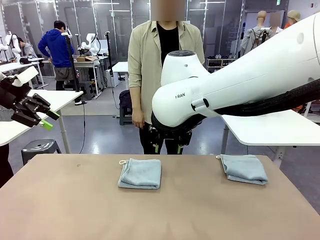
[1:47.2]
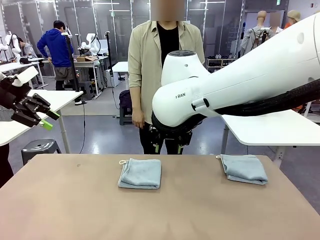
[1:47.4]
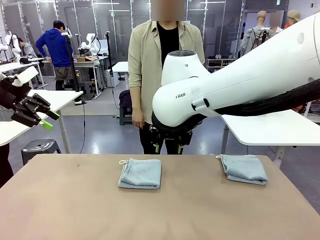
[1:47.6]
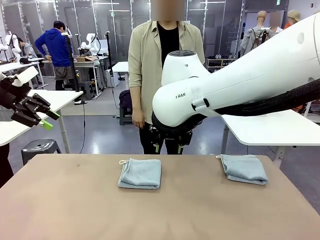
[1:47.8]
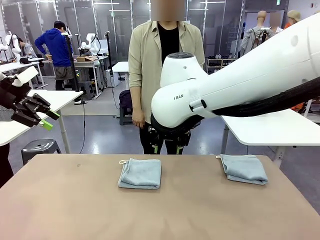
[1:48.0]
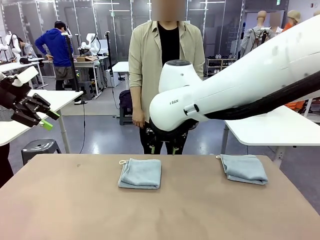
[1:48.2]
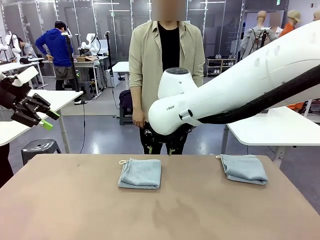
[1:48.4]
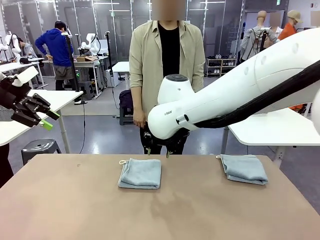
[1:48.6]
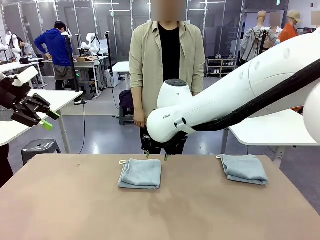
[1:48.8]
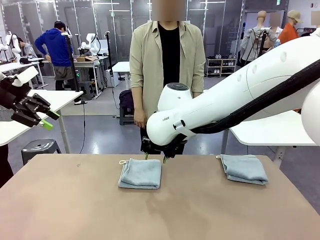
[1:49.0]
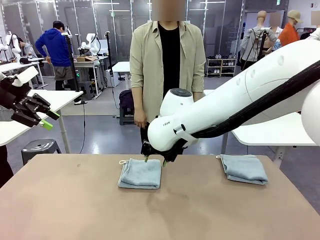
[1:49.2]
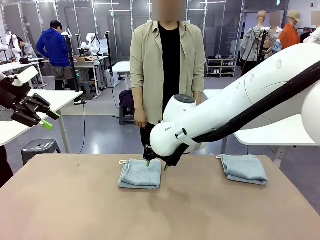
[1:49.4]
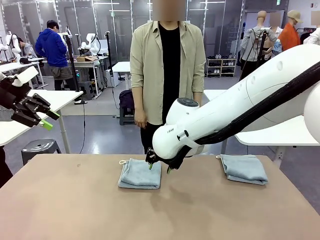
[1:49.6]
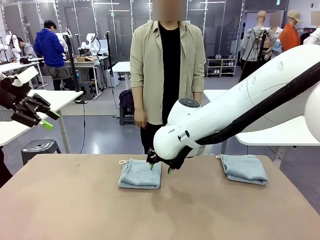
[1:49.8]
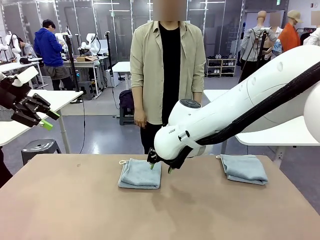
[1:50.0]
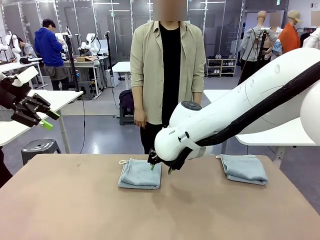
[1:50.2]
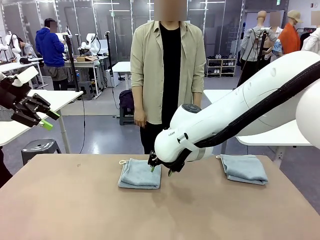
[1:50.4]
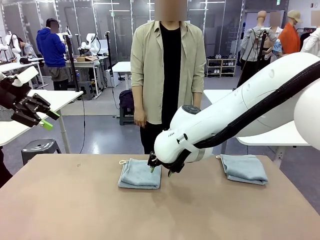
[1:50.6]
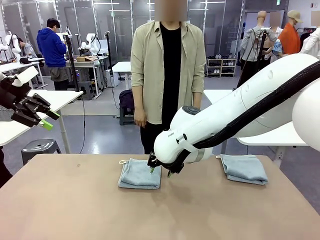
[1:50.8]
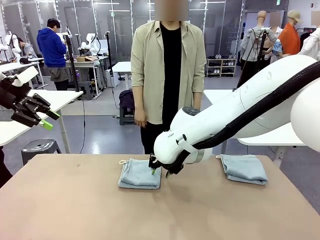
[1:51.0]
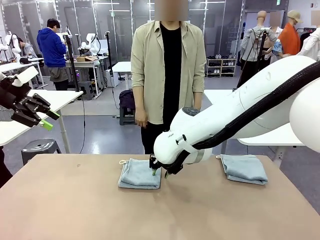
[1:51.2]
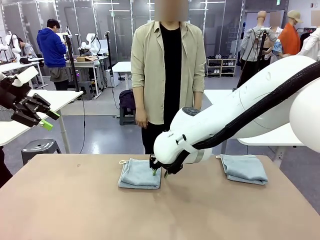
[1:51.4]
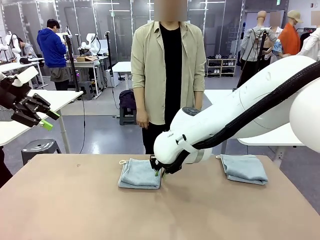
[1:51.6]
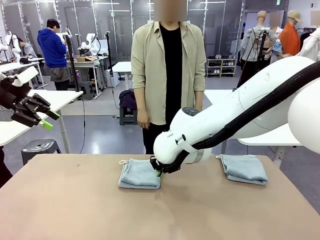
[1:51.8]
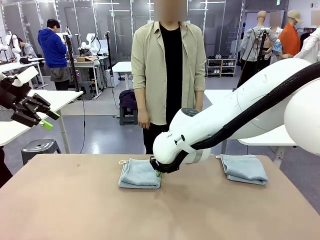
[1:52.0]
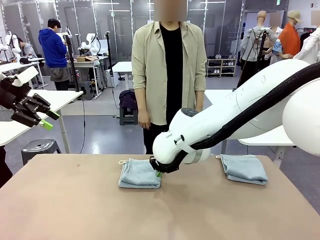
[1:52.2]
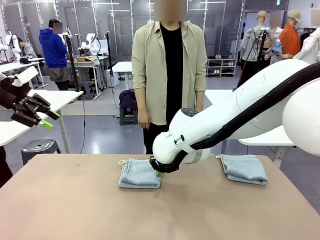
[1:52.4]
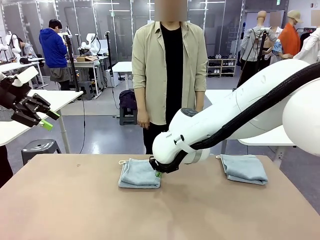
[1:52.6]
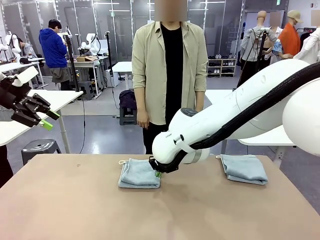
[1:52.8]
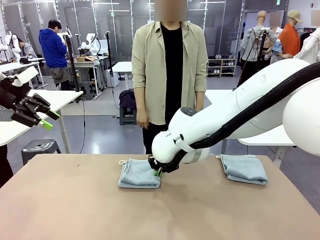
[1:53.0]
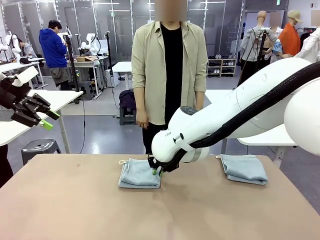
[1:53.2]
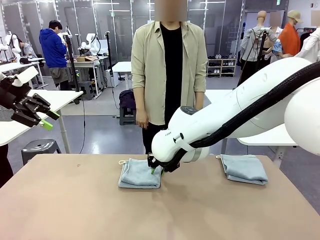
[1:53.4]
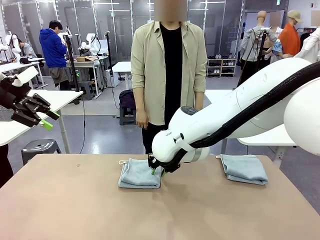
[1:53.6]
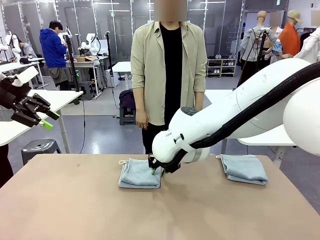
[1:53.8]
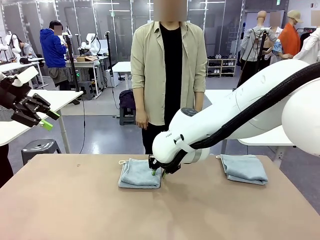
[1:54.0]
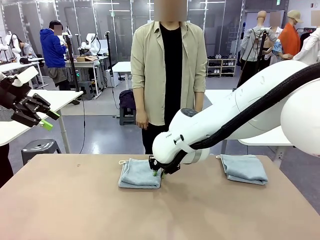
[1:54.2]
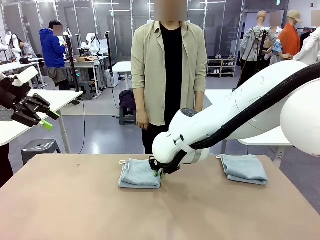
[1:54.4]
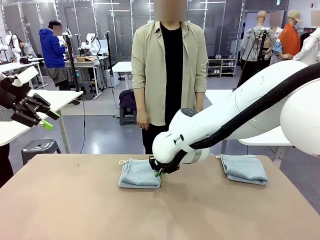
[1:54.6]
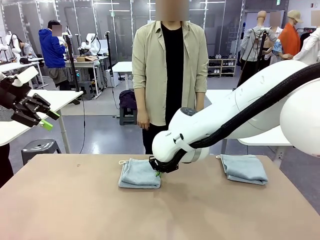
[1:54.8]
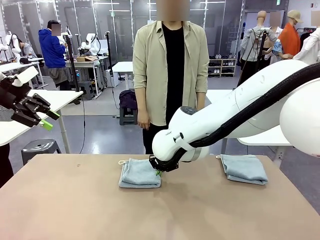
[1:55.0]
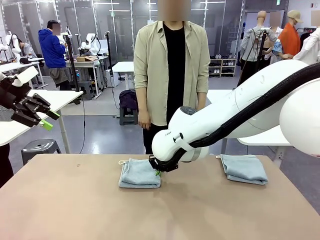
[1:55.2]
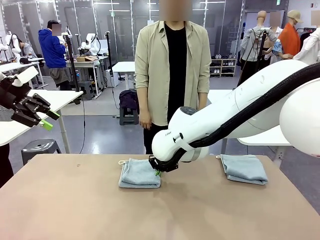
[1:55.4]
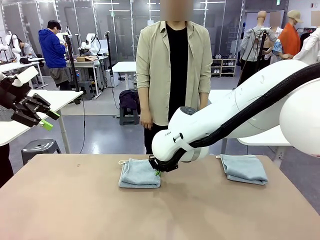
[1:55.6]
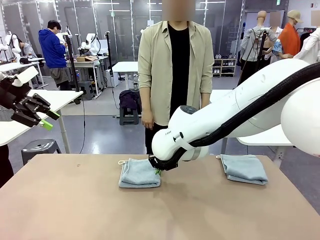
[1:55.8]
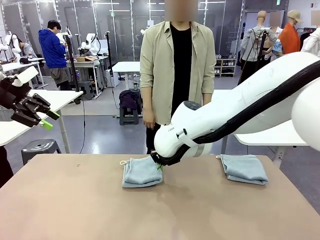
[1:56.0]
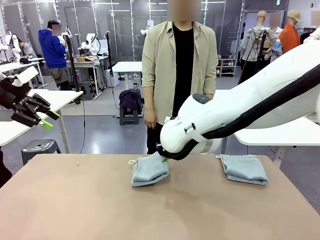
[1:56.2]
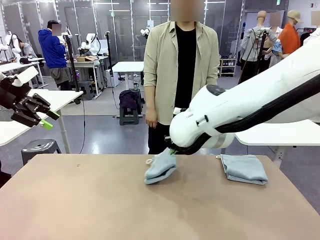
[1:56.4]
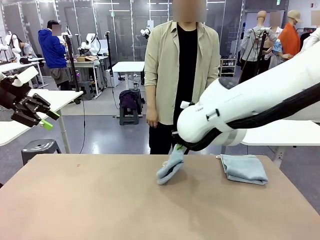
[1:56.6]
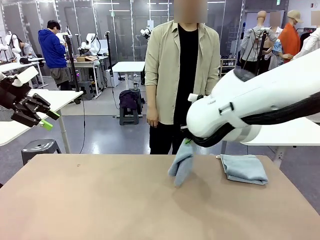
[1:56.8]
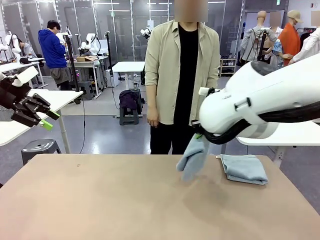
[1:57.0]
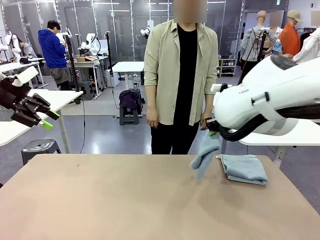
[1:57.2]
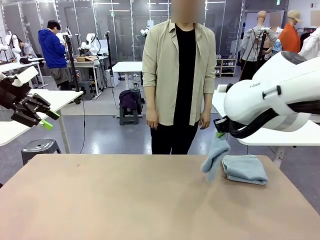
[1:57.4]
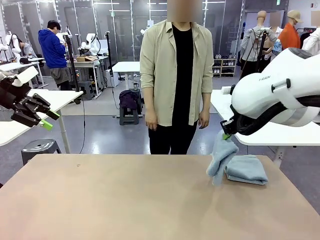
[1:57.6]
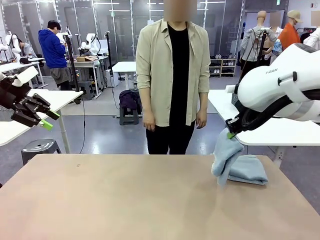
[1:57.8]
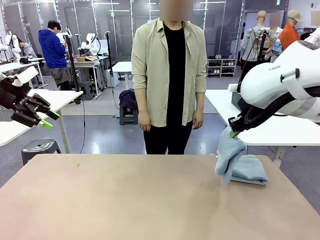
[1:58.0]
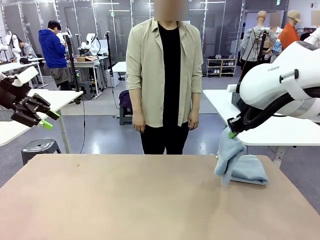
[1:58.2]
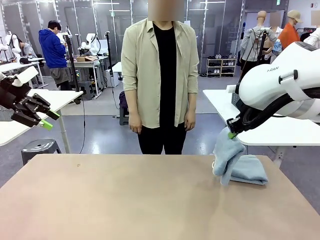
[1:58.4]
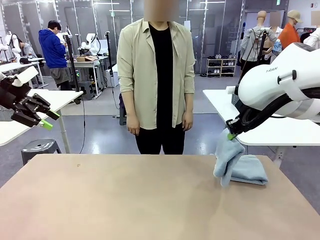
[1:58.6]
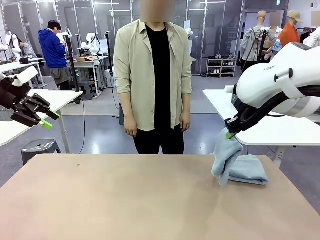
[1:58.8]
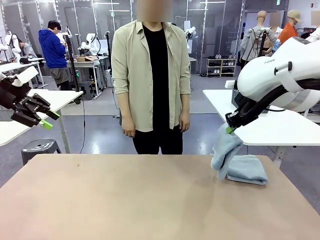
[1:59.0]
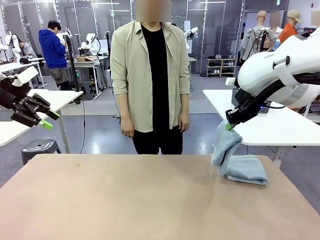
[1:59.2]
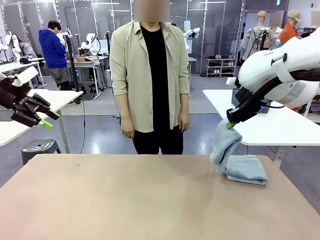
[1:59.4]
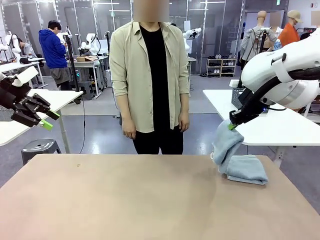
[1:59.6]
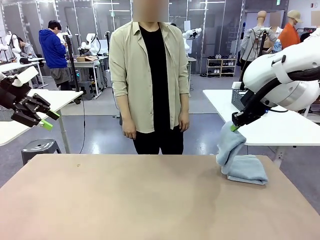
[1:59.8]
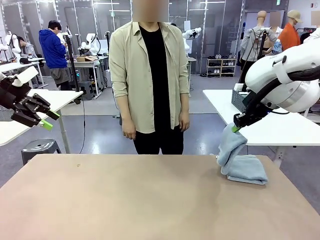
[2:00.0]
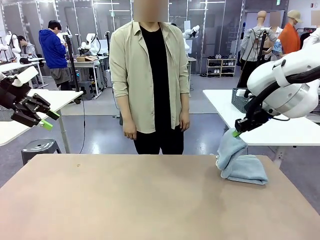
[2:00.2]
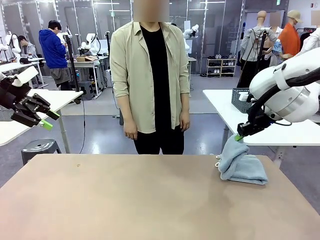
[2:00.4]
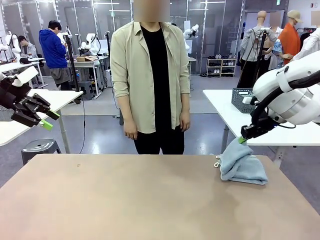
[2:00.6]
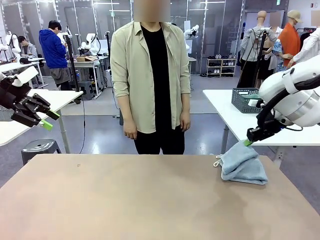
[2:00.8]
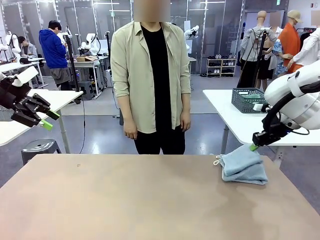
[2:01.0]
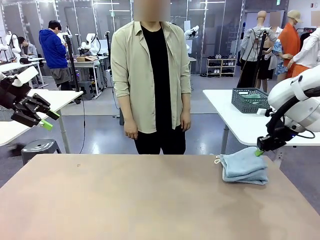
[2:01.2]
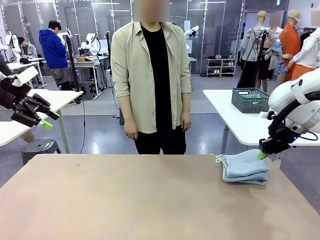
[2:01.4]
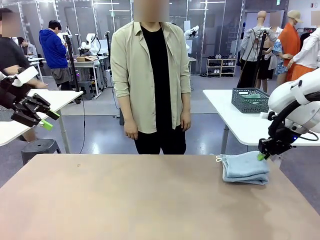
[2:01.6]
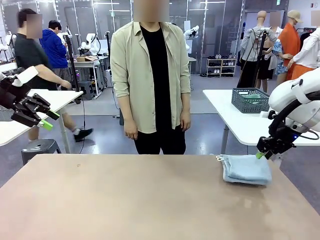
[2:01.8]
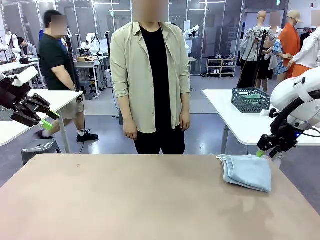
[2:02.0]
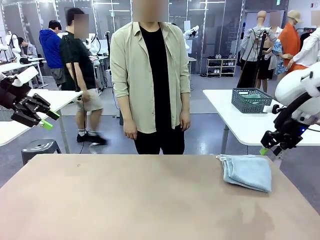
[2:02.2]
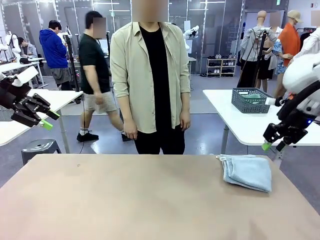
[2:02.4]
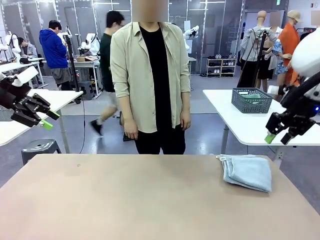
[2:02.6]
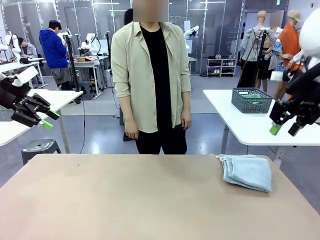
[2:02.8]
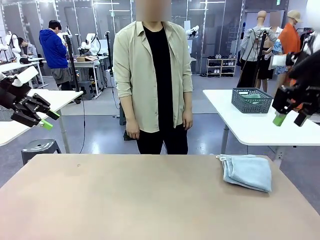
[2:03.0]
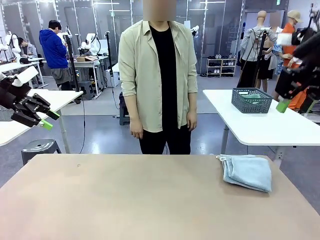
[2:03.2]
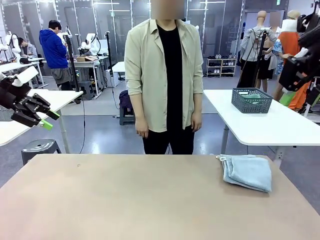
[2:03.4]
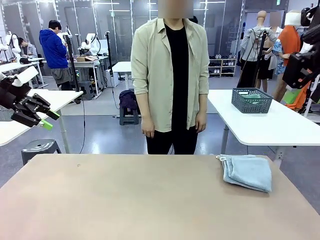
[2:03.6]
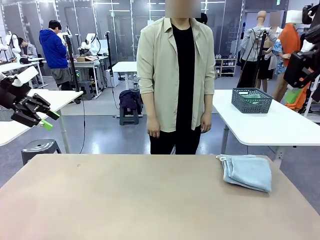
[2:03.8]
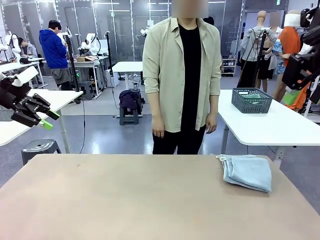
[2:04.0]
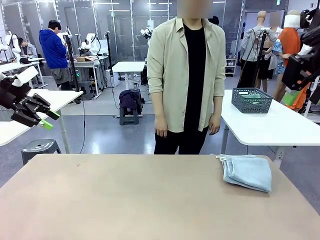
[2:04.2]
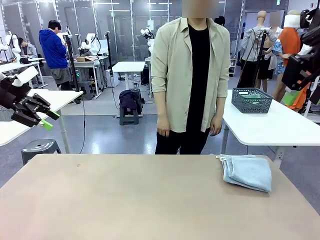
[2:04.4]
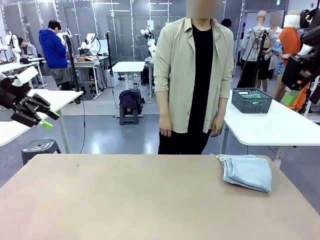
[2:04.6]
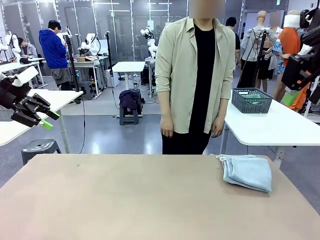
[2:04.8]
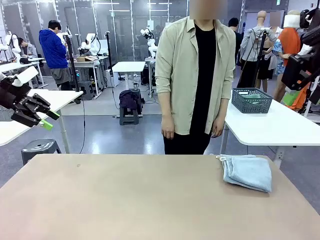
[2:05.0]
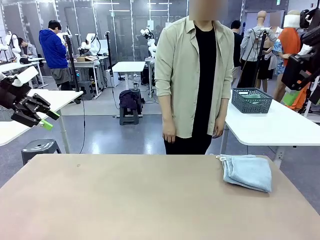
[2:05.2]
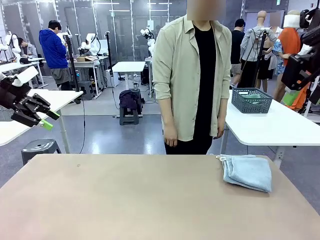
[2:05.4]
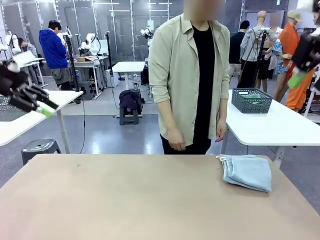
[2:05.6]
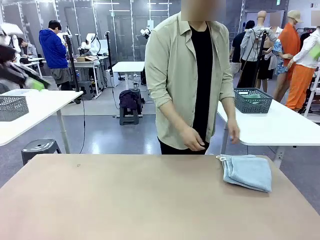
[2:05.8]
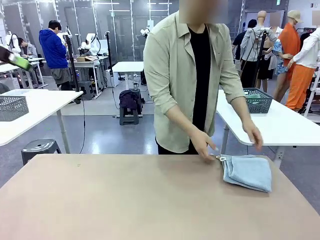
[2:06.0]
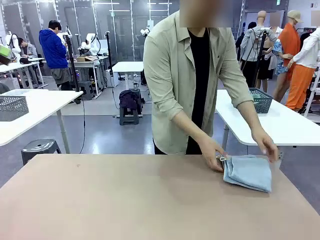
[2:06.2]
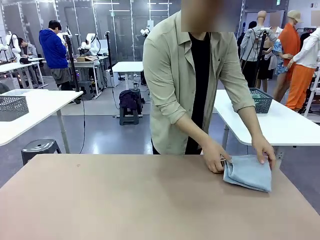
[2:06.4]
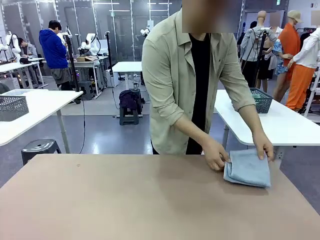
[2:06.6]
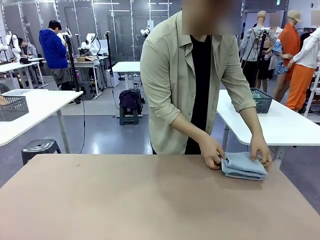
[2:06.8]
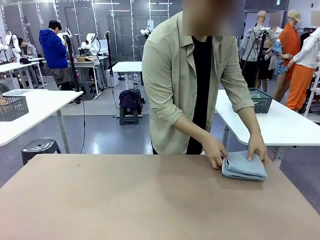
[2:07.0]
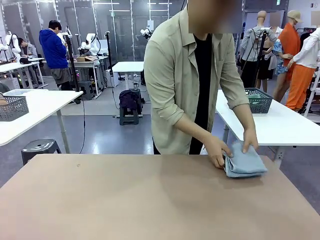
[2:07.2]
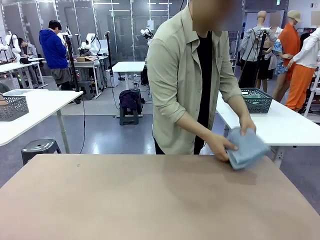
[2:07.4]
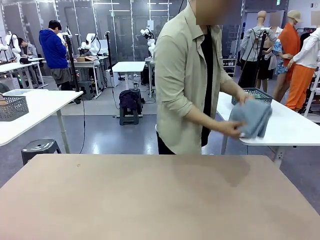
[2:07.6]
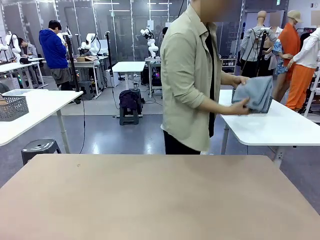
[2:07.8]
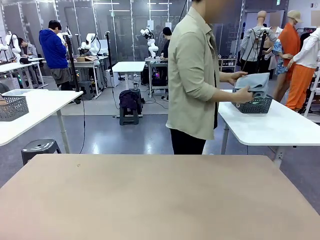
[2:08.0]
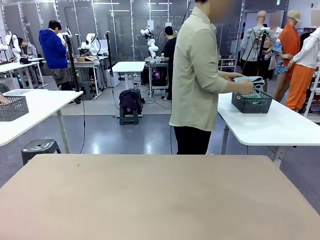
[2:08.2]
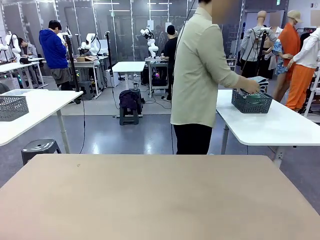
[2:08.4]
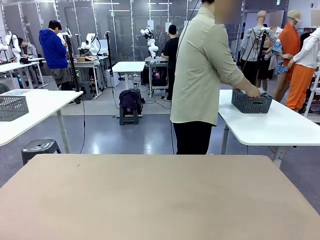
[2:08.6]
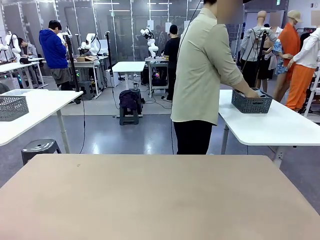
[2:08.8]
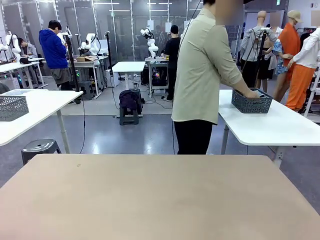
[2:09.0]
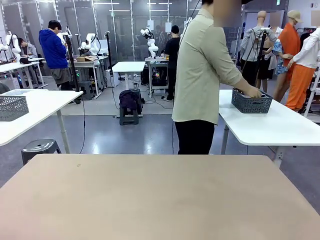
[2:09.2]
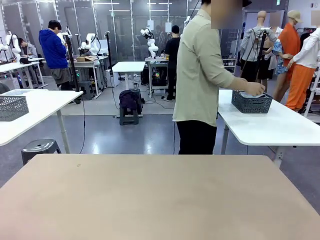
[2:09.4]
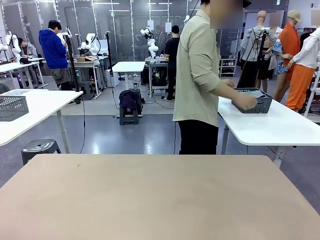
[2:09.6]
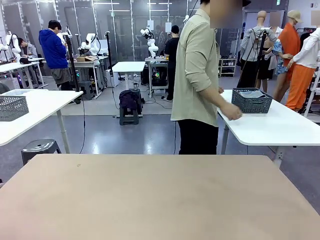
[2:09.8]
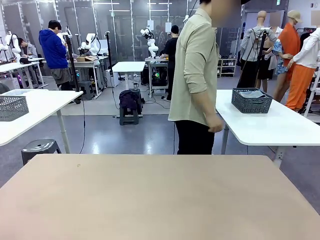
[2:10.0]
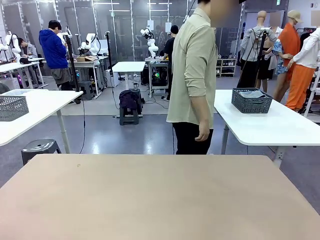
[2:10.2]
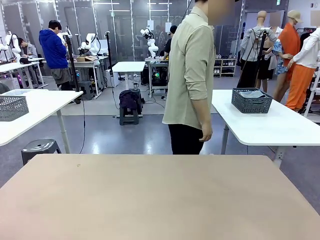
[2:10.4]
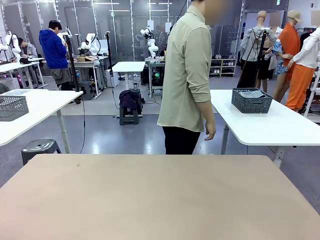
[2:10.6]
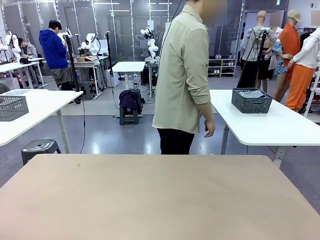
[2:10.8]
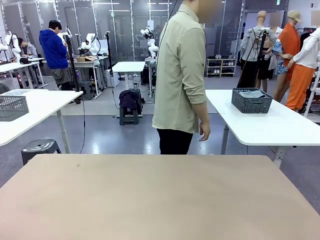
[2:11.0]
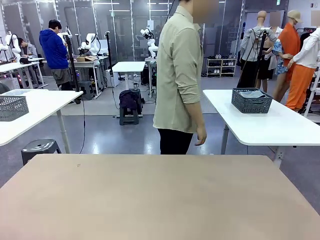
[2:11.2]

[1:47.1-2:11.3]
Task: Fold the towels and place them in the basket.
Robot: Stack the folded Towel with hook on the right side of the table.
Person: Pick up the stack of towels from the robot table and place it into the basket.
